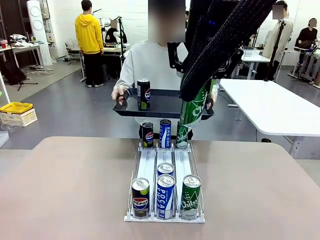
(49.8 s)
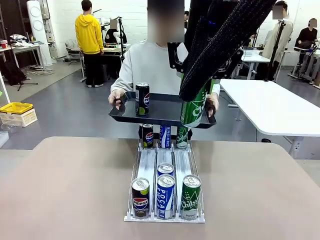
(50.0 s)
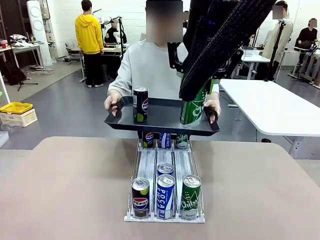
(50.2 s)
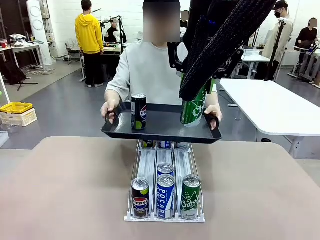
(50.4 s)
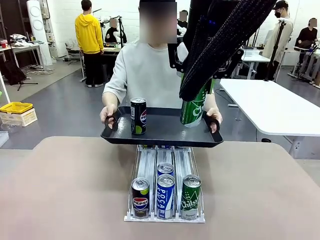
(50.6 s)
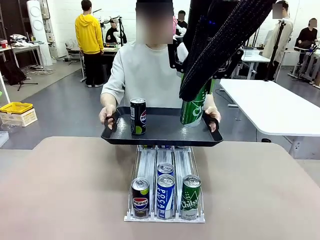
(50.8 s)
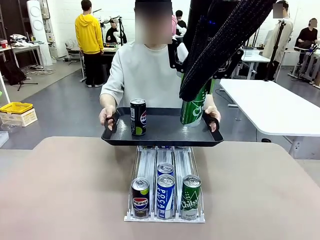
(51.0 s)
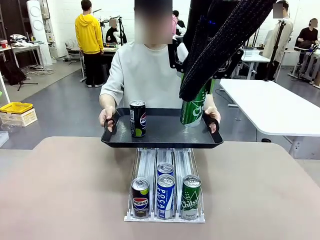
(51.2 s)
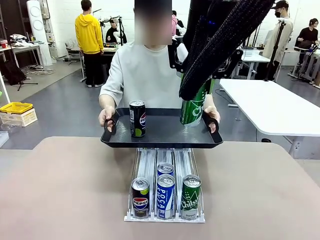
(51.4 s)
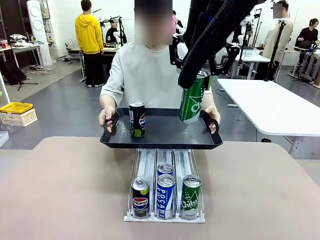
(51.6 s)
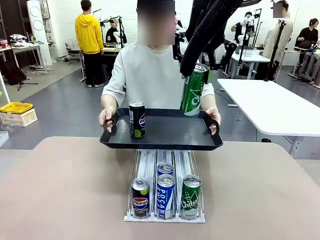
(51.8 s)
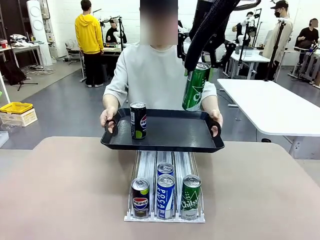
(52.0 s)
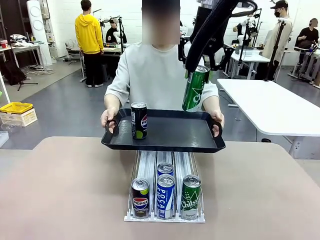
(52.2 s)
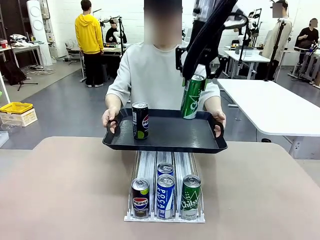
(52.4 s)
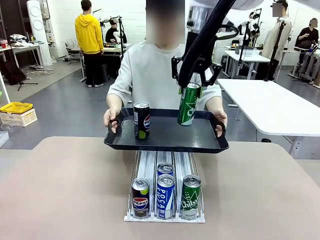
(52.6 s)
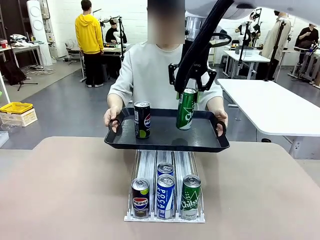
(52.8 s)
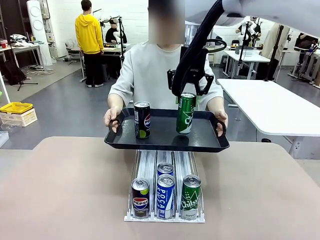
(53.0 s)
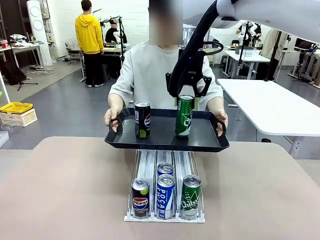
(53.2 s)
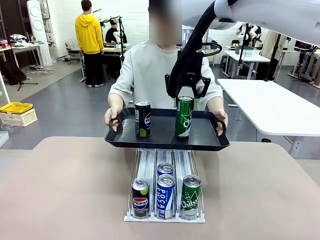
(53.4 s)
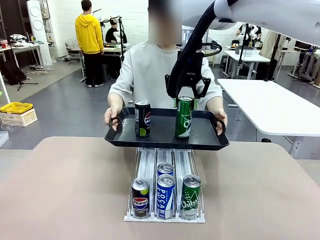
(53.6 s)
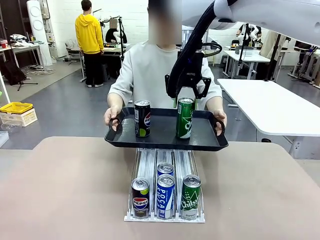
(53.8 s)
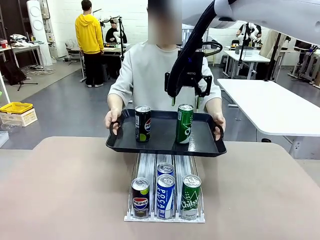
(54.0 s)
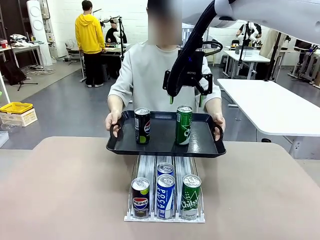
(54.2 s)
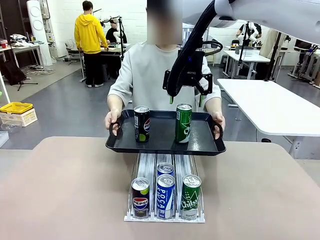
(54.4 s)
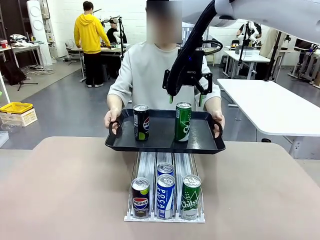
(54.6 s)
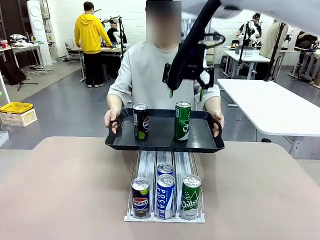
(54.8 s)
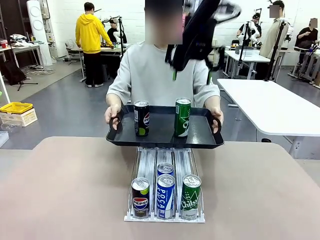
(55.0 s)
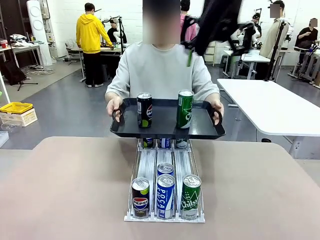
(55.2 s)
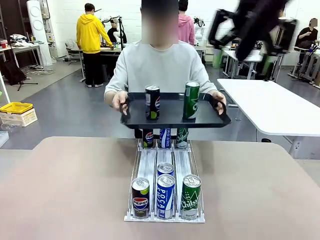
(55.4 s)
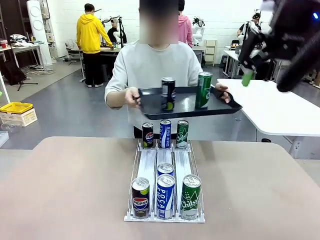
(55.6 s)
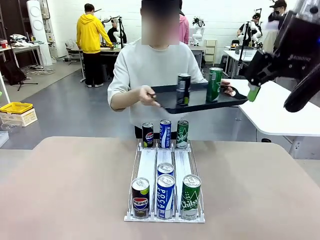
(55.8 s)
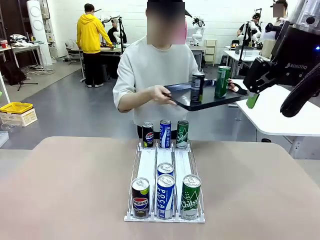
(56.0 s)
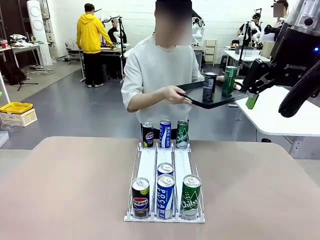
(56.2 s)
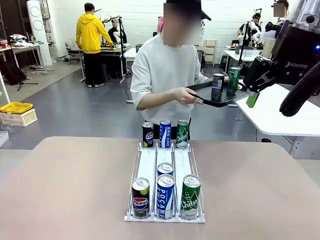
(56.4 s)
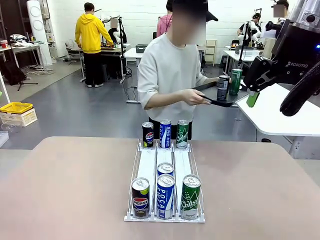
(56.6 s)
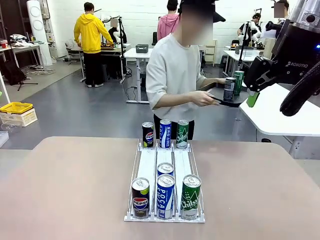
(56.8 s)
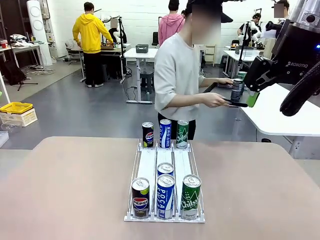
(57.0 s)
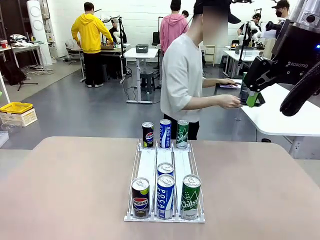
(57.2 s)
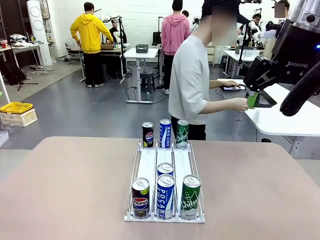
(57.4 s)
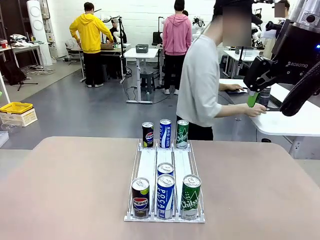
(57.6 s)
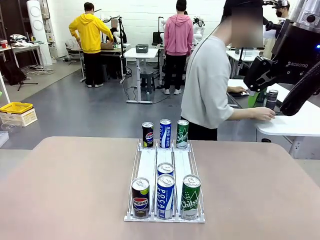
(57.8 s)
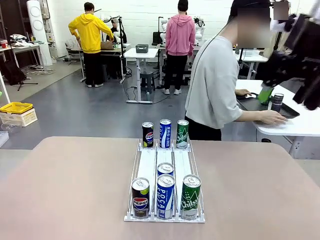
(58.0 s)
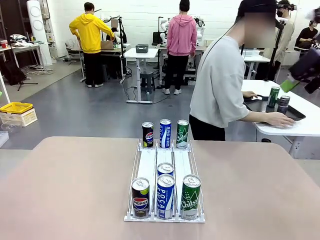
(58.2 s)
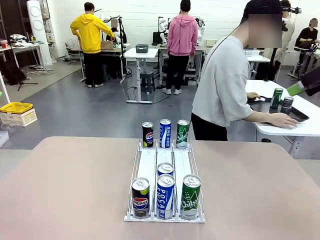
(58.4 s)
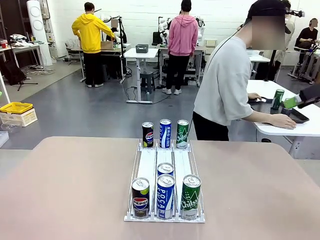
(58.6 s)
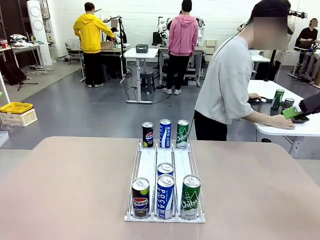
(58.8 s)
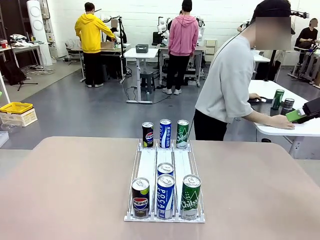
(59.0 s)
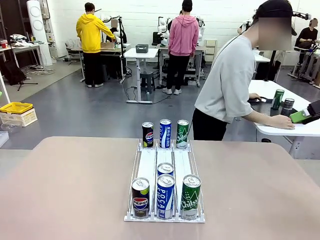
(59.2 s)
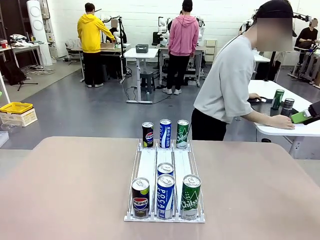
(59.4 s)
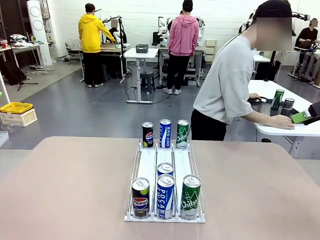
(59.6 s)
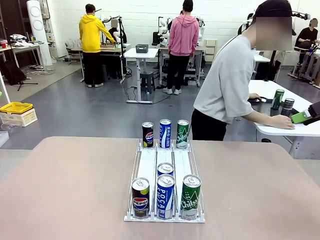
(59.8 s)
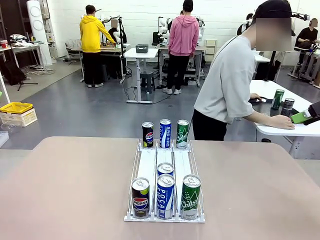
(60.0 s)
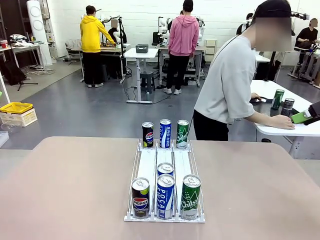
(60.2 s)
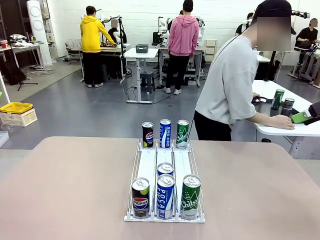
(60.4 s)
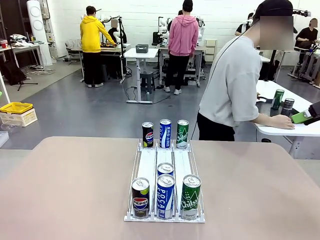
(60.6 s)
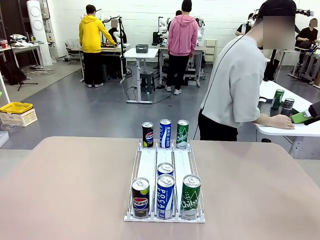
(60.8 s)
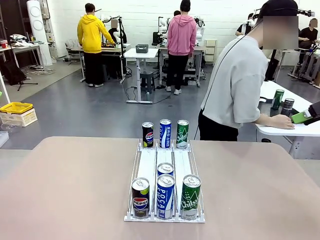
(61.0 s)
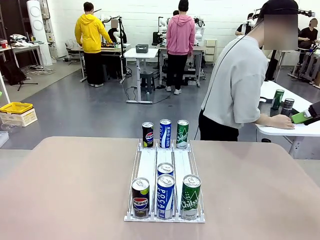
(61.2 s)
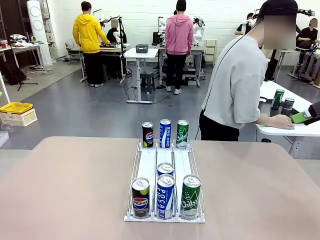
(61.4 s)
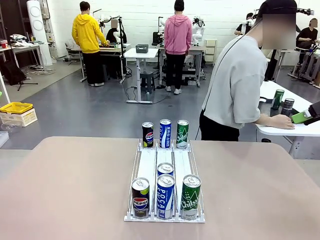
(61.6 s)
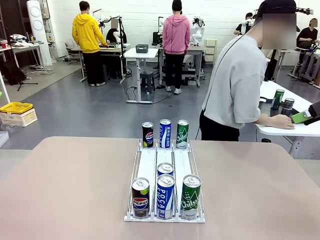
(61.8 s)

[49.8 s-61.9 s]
Task: Retrieve and hand over the desired beverage to the person.
Robot: Place the picked can on the Handle tray extended by the person.
Person: Pull the tray back and place it at the center of the human table.

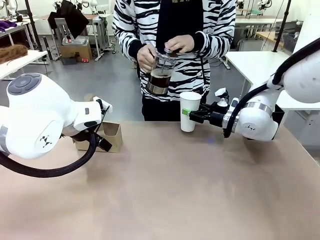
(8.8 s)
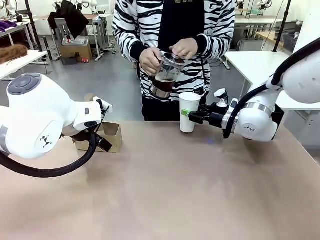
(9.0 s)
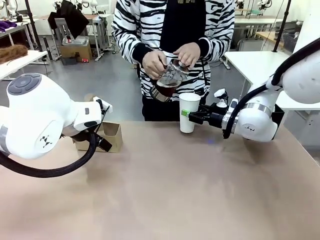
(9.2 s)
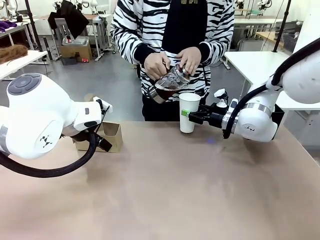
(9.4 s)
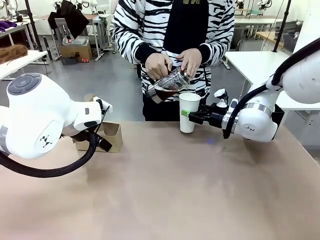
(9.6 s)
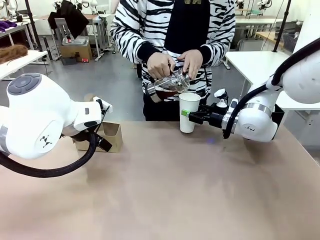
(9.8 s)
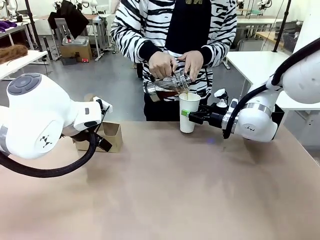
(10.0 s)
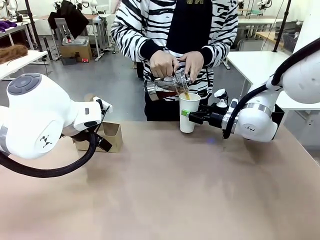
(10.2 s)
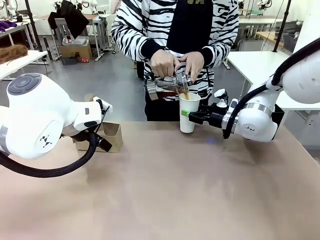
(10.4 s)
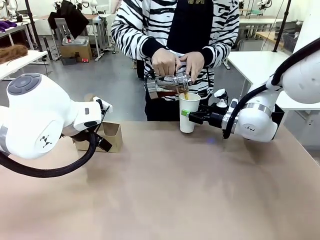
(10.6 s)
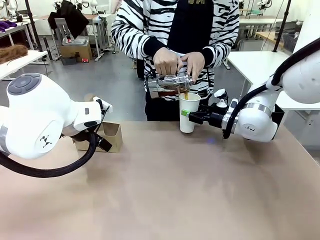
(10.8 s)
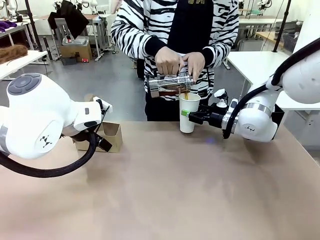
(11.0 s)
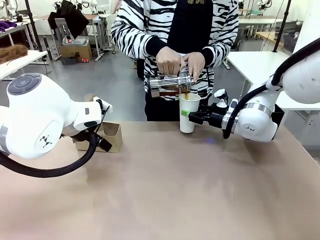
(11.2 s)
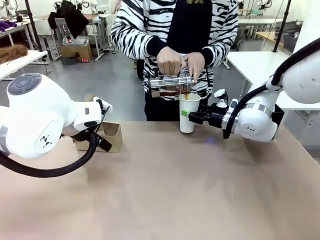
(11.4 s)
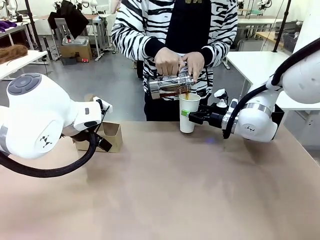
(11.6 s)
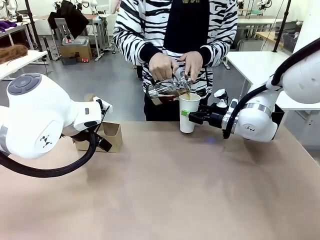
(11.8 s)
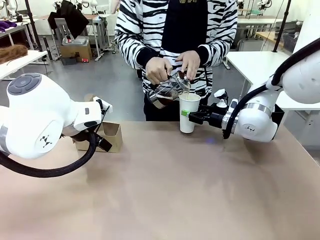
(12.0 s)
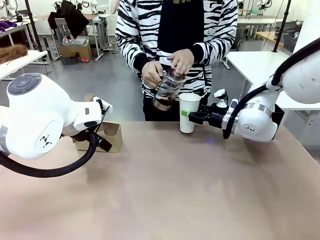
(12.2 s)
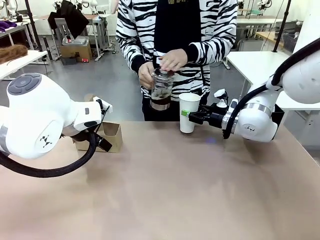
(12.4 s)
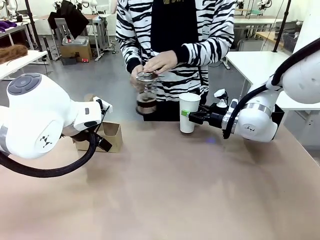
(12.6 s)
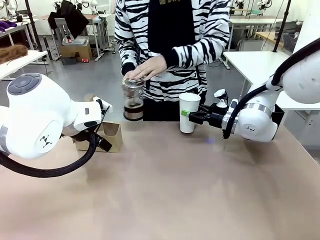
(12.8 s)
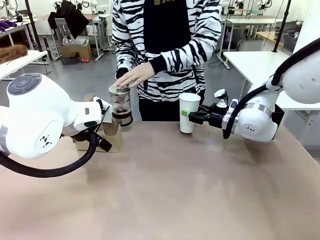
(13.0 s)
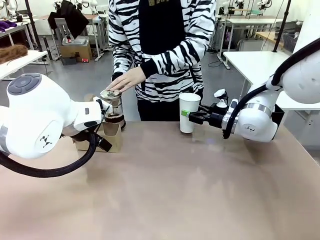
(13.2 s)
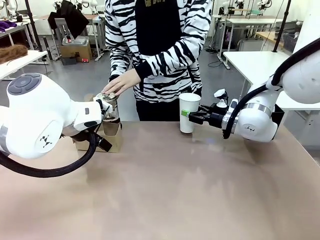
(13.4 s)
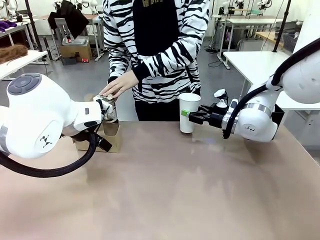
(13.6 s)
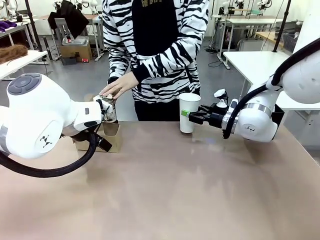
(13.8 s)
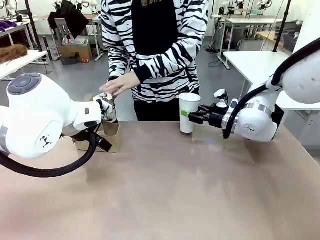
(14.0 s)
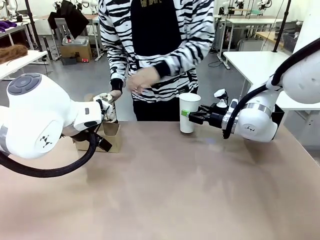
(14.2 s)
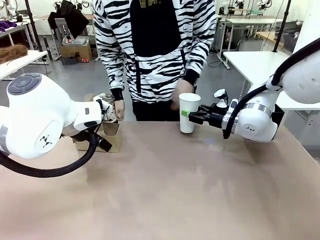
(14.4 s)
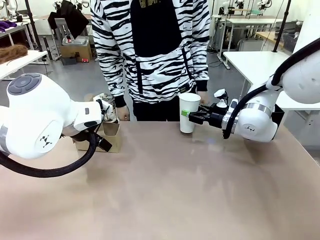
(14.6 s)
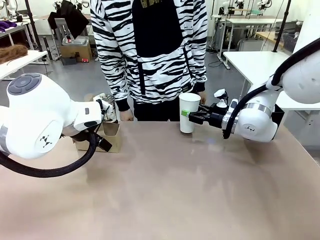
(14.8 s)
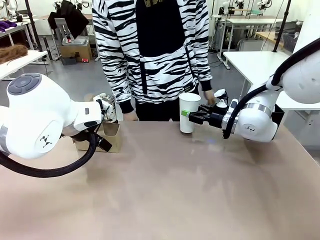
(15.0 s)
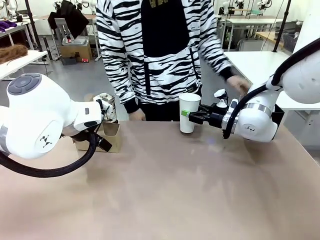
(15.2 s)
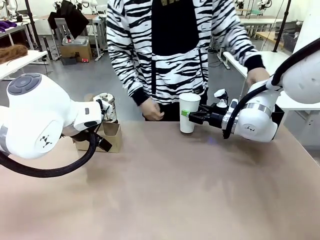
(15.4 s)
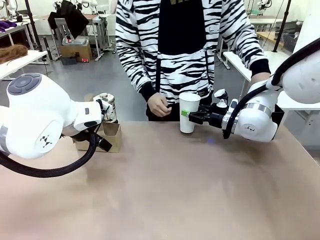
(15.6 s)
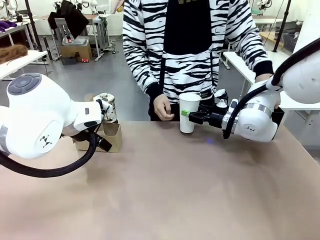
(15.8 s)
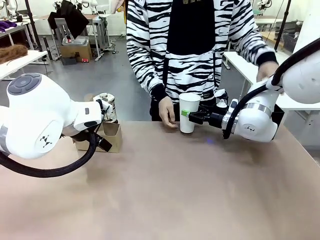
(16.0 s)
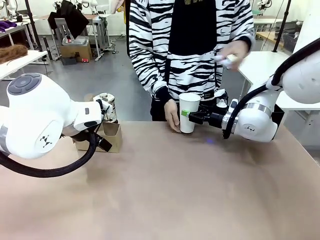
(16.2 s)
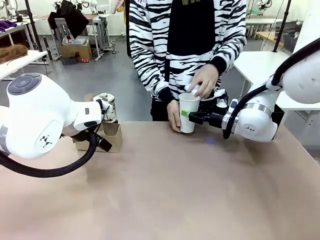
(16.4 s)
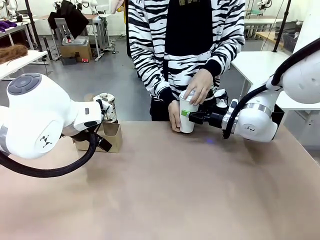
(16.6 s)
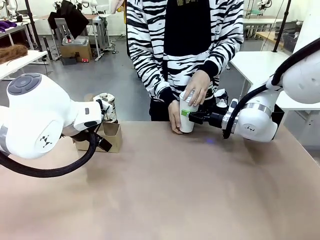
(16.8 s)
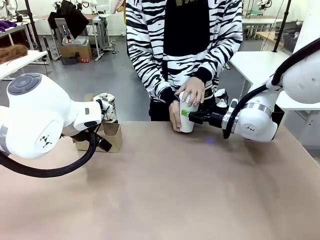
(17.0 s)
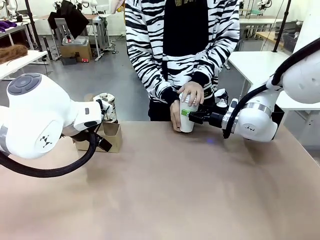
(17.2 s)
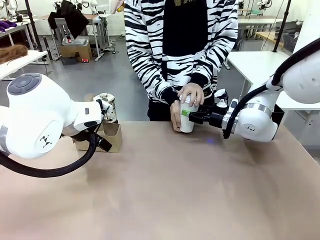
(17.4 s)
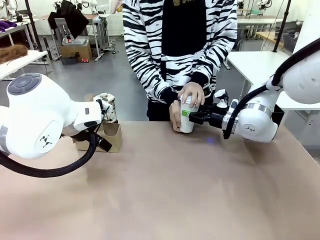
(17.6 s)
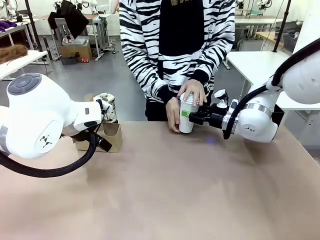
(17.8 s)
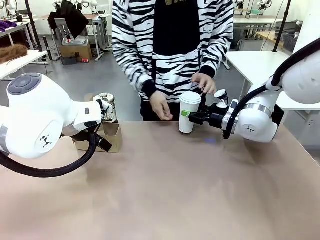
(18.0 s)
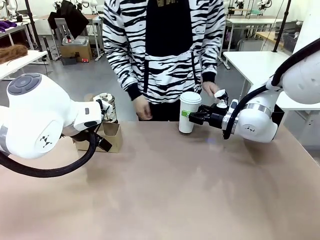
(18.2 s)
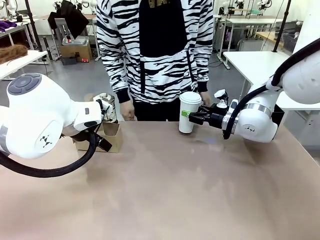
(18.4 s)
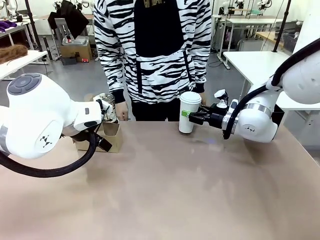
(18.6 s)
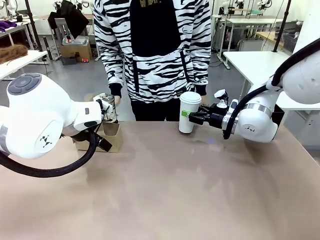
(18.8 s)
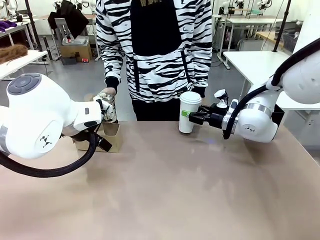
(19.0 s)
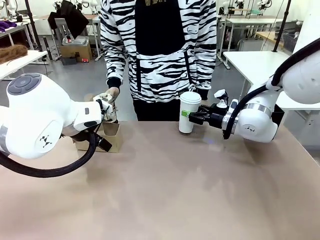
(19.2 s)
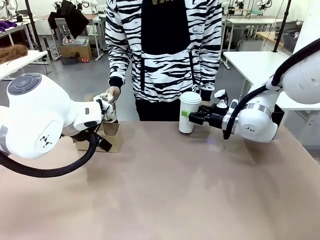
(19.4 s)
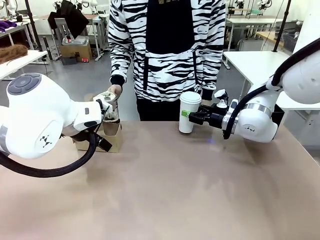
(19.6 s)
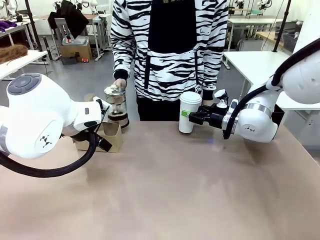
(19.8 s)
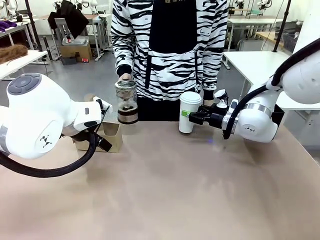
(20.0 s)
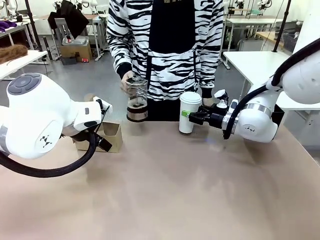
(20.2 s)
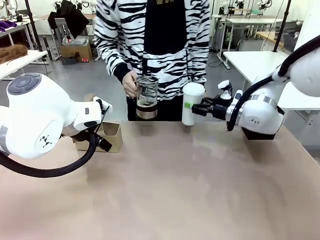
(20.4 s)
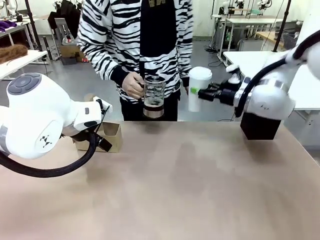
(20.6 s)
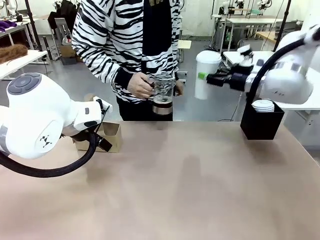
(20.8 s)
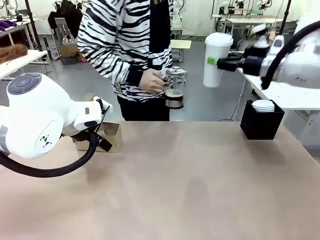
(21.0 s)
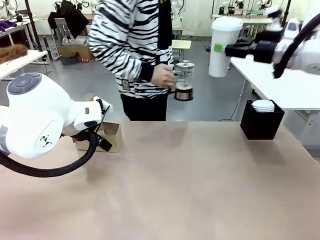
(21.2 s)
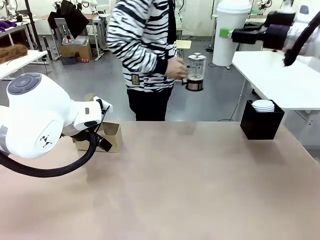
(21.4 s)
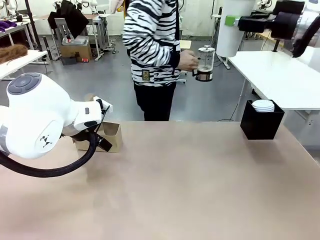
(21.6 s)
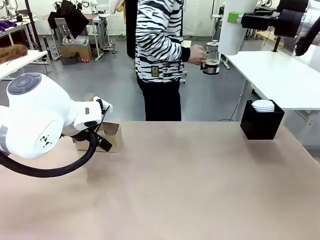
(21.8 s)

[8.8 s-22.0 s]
Task: Pour a drink into a cup and package it in a carrier.
Robot: When a person places the Paper Cup Lid on the 600 ml Paper Cup , lift the 600 ml Paper Cup.
Person: Pour the drink from the Filter Brewing into the 600 ml Paper Cup. Place a Paper Cup Lid on the 600 ml Paper Cup.
